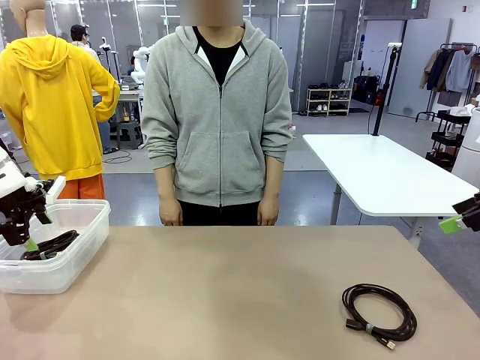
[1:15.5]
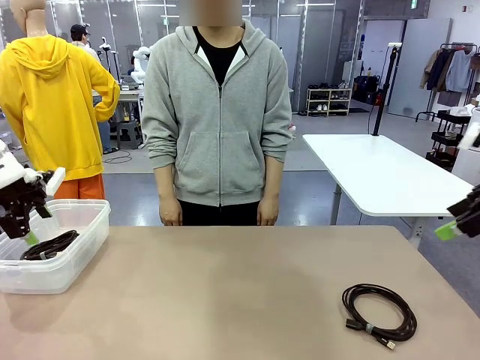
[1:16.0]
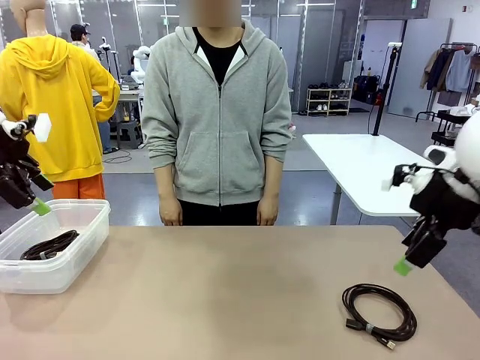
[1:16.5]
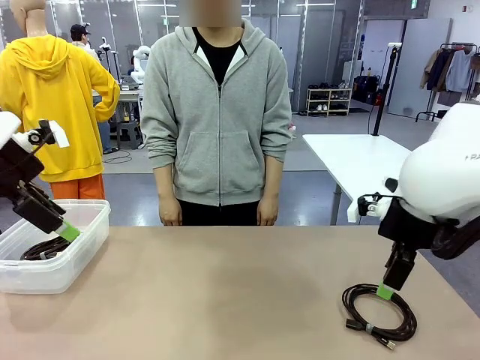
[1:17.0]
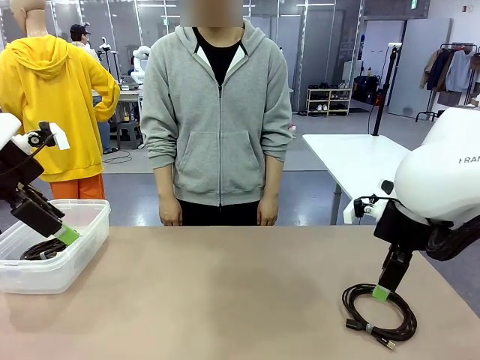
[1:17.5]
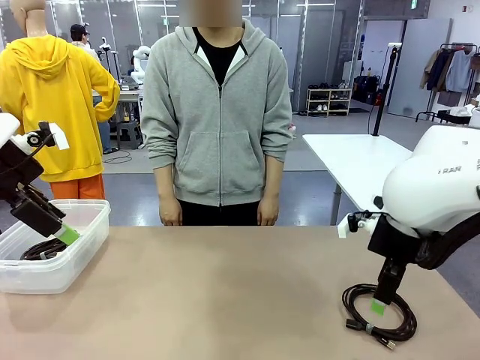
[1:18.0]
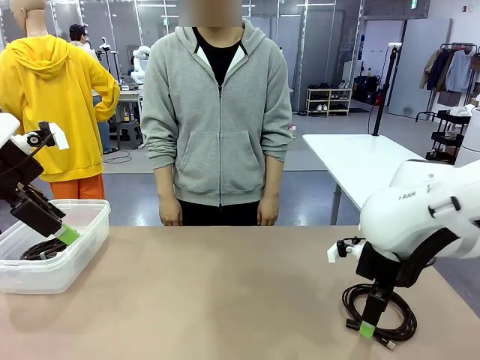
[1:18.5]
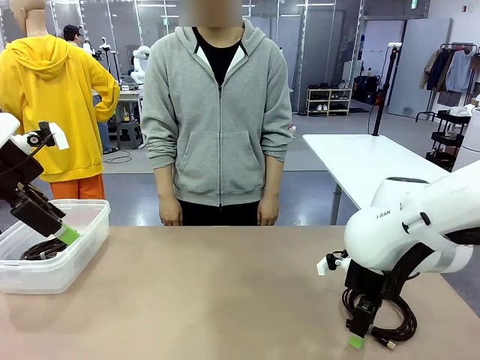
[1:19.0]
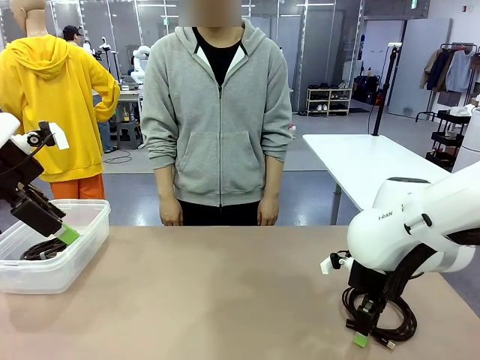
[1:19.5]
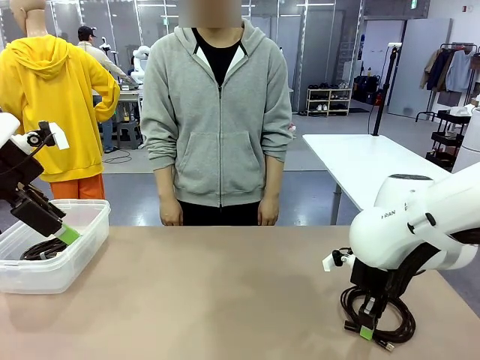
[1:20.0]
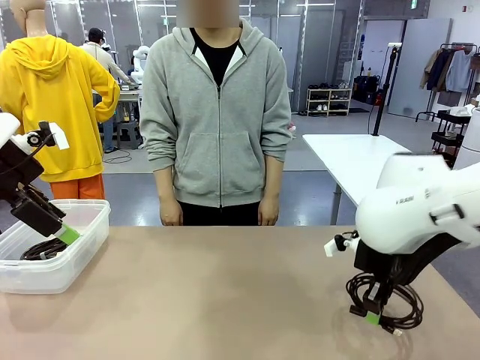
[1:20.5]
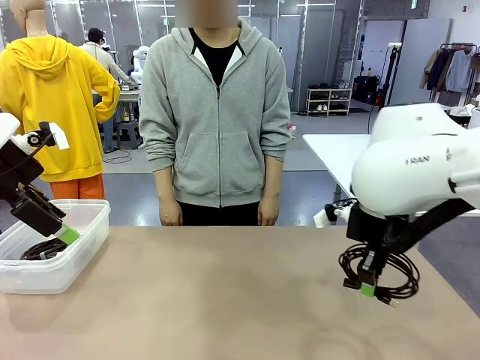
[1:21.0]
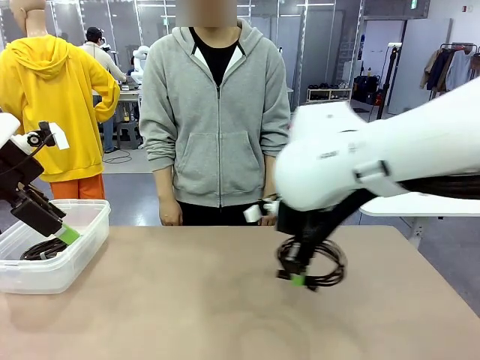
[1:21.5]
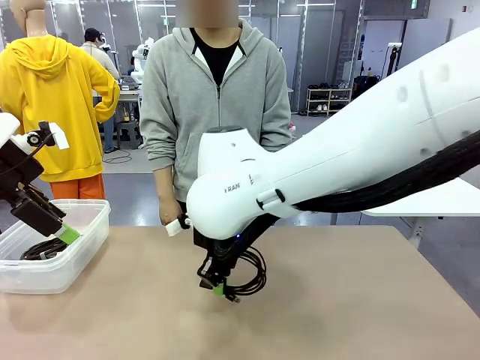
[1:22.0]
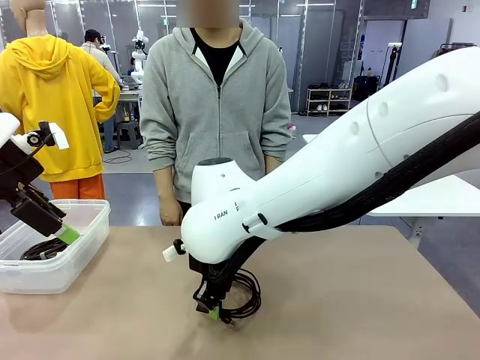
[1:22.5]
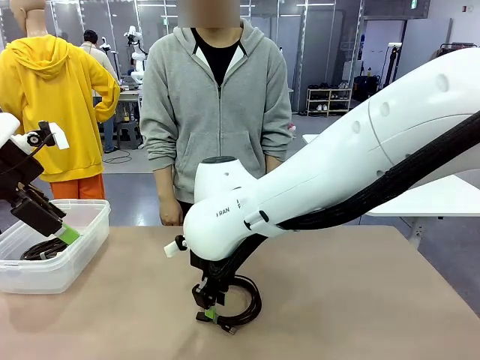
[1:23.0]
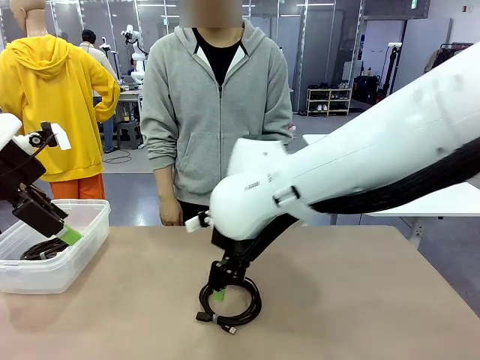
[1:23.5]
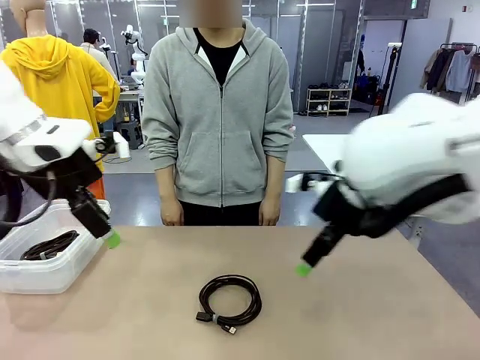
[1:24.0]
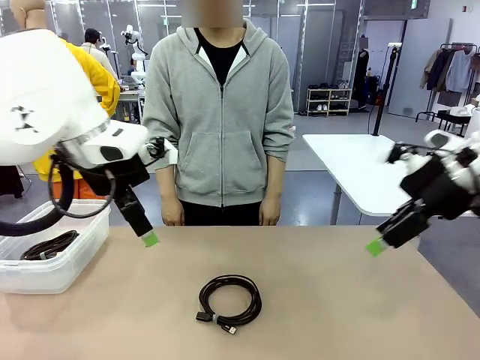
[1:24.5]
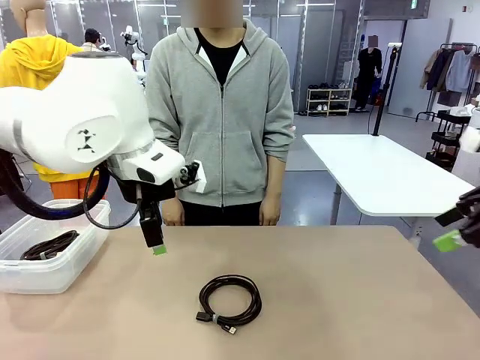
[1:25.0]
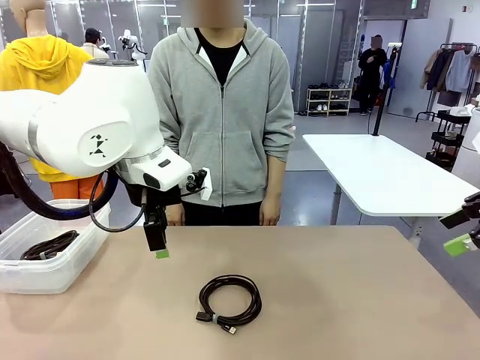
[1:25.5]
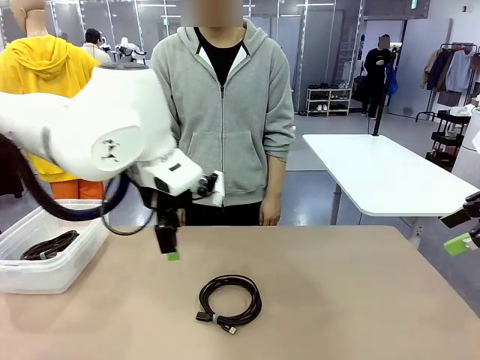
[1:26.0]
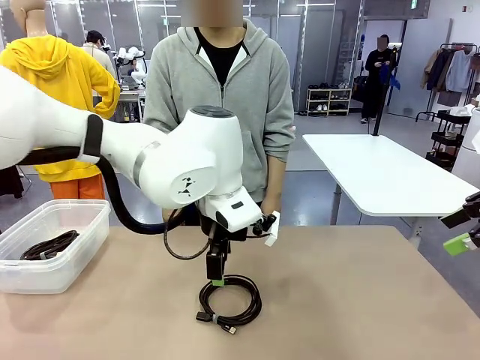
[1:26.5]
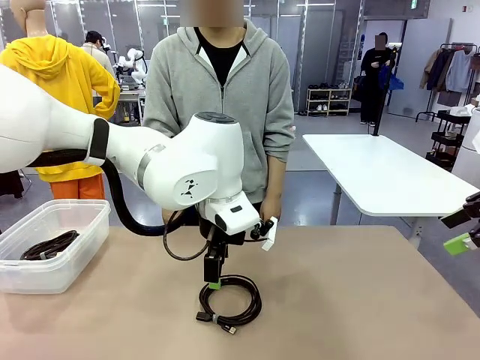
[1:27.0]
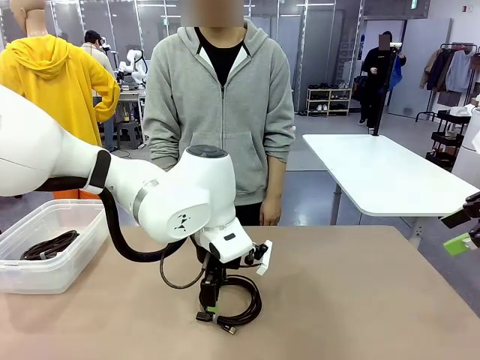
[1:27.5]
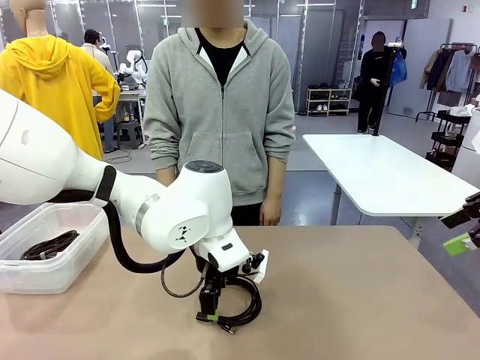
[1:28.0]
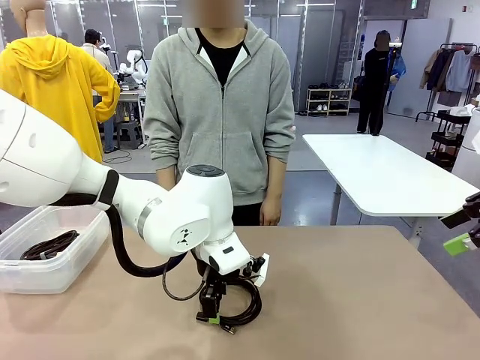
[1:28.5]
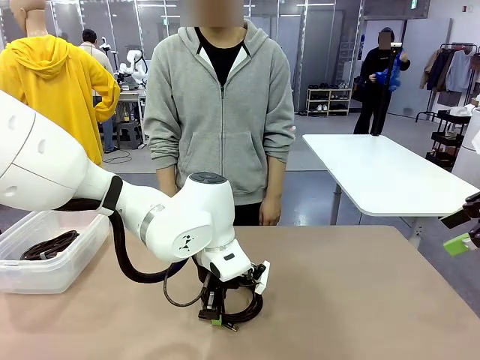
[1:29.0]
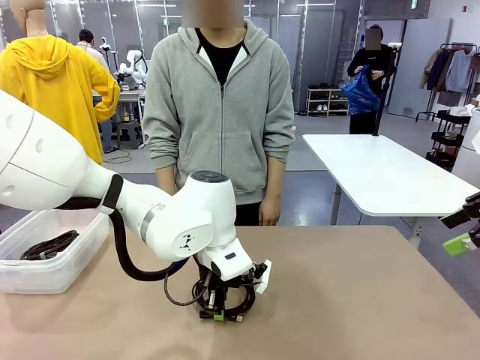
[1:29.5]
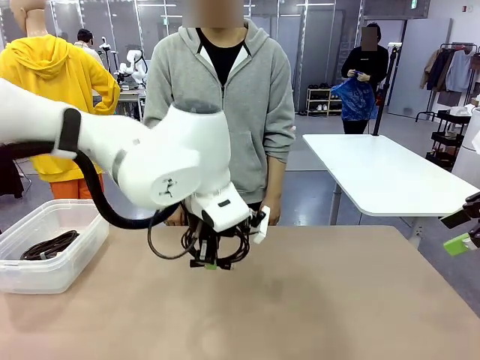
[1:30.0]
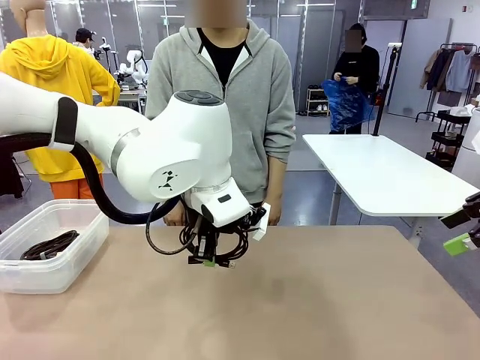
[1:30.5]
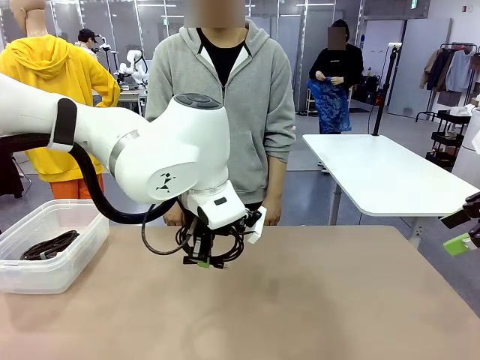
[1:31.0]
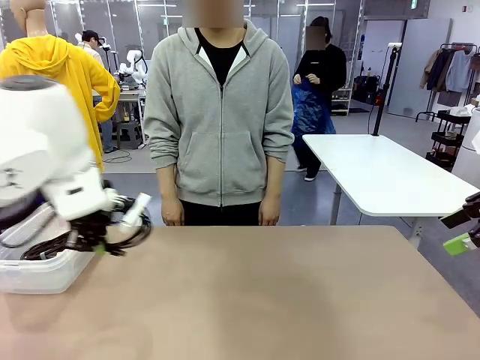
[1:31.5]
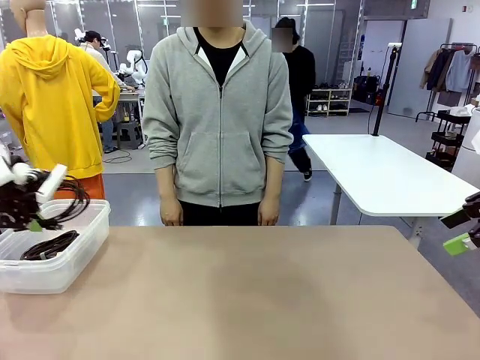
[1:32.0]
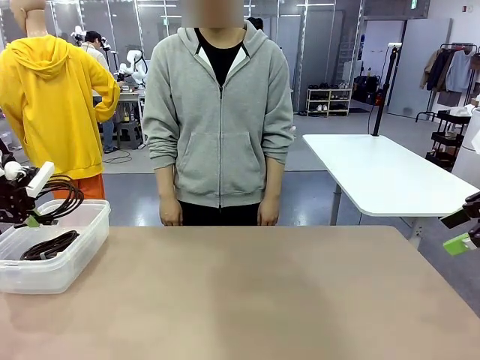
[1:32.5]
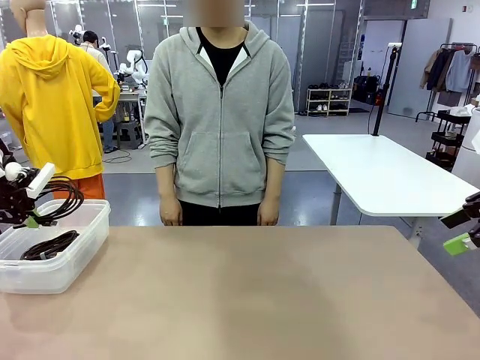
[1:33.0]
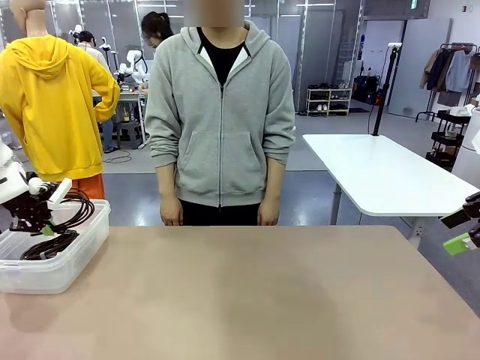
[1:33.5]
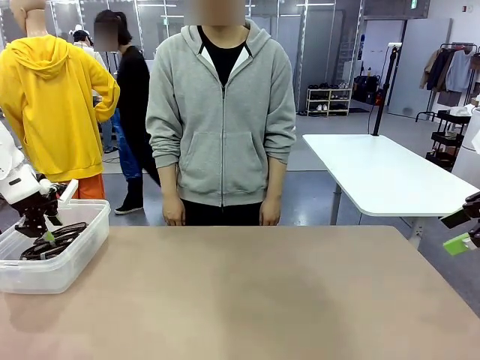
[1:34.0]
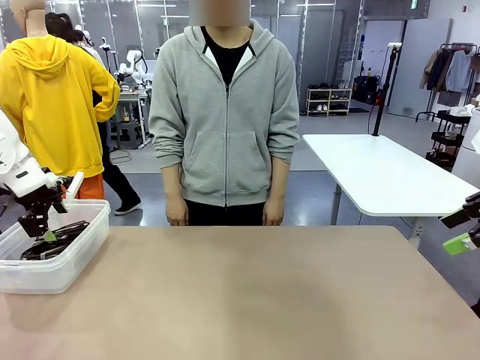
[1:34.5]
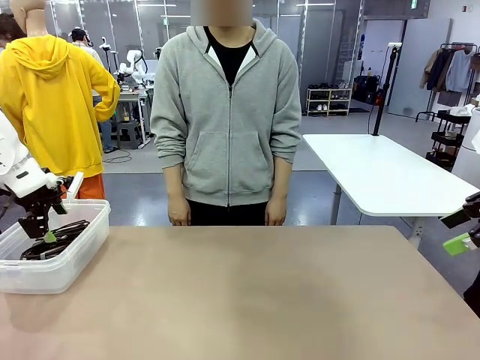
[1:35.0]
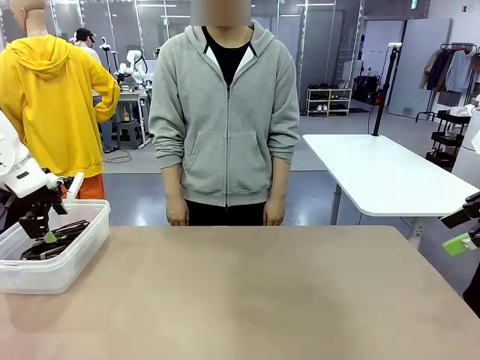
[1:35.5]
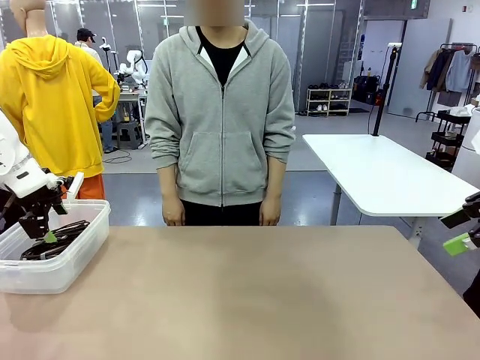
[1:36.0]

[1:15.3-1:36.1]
Task: Organize and store the cables.
Robot: Place the USB Extension Cable into the Organizing box.

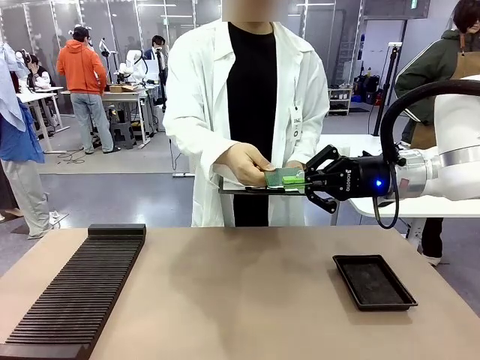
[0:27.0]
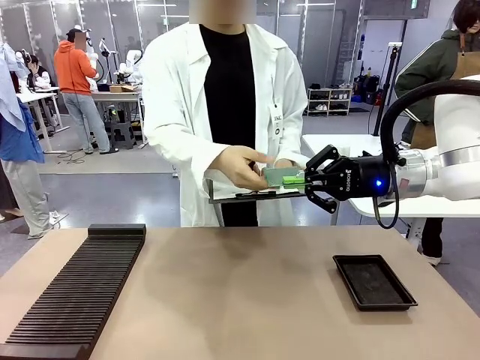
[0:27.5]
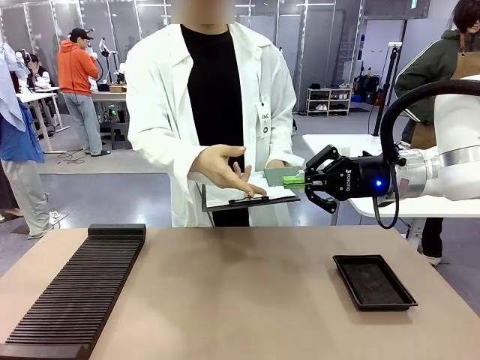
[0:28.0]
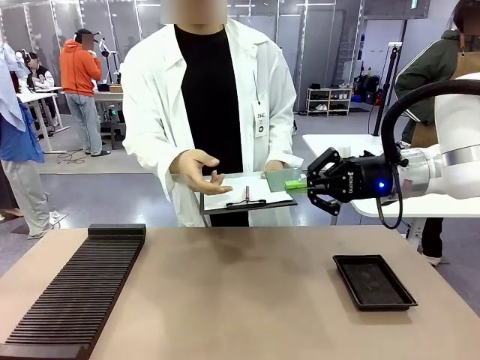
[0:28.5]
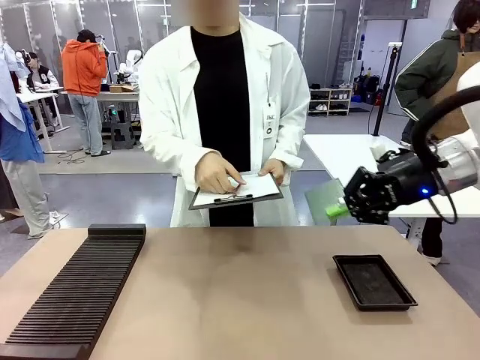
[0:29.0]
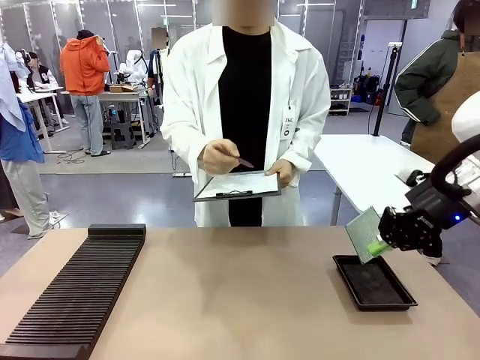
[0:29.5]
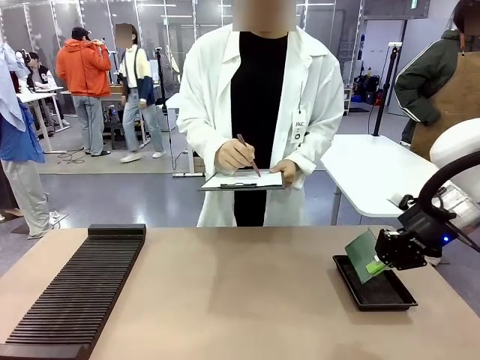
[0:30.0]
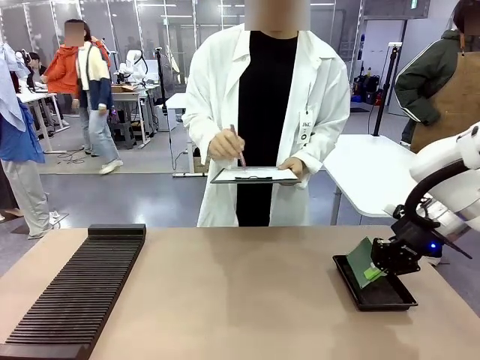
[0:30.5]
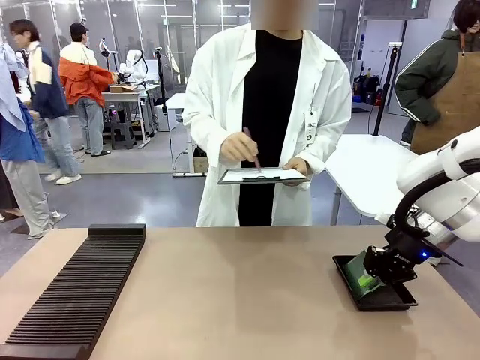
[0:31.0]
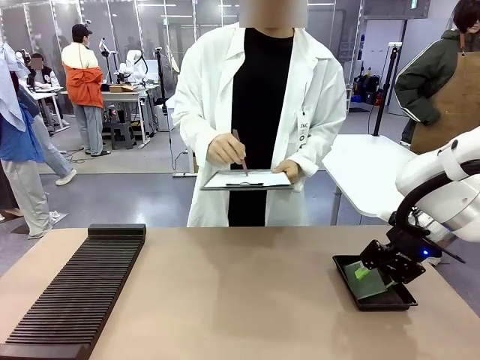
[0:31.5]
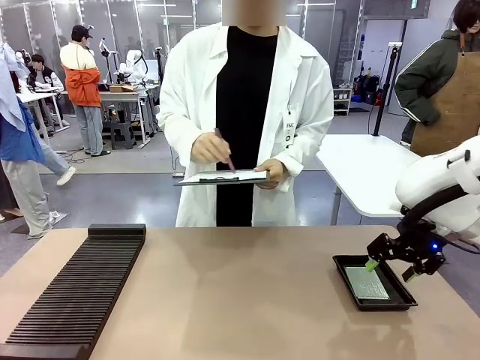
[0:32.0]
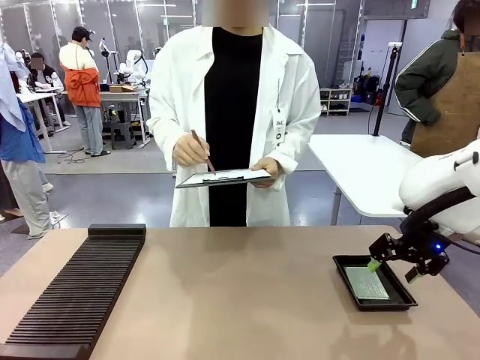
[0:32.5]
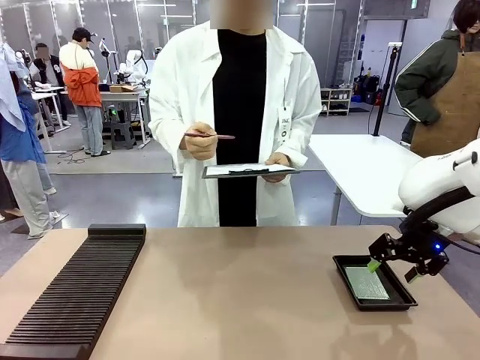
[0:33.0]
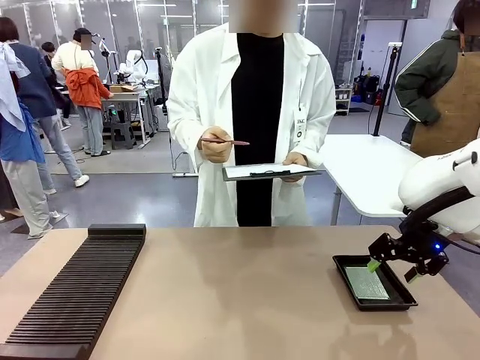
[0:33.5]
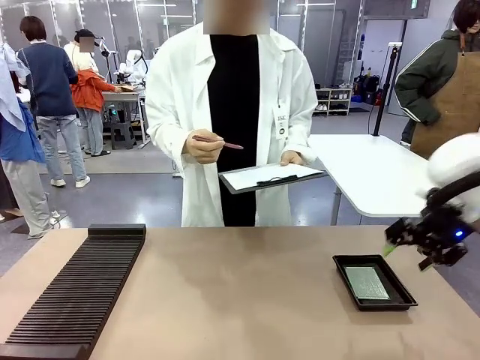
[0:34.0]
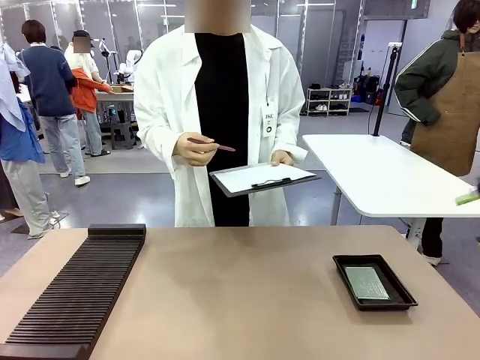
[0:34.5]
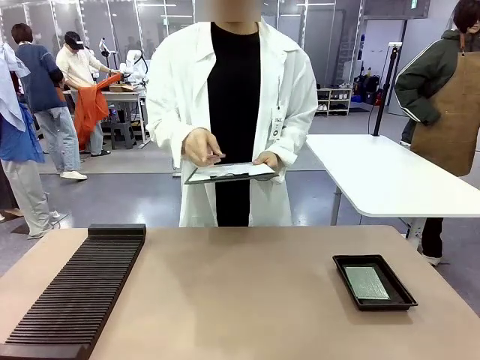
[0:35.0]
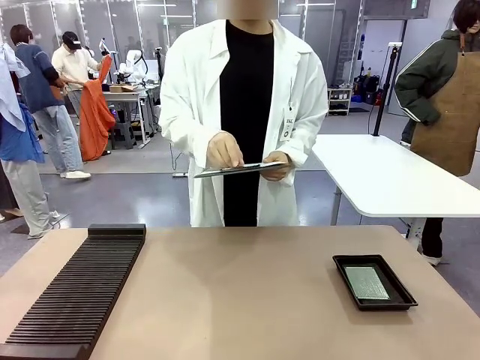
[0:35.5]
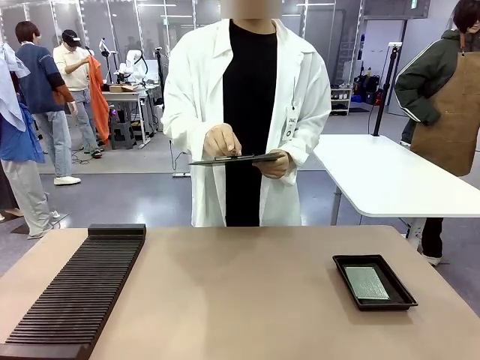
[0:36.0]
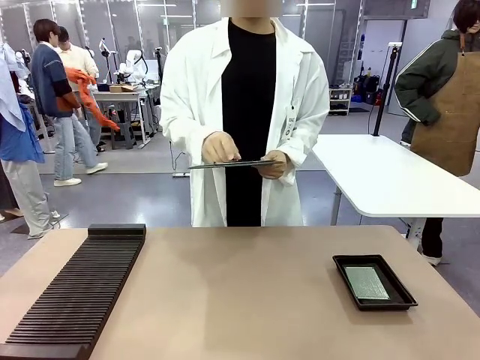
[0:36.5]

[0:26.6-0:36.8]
Task: Inspect the PCB.
Robot: Place the Blank PCB in the ESD tray.
Person: Record the PCB status on the paper.
